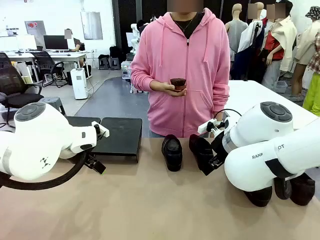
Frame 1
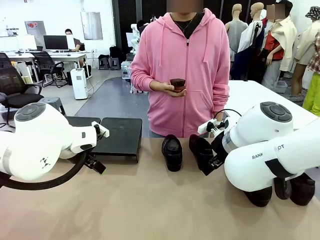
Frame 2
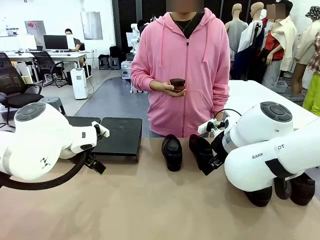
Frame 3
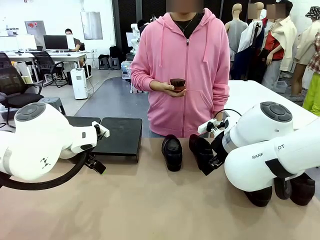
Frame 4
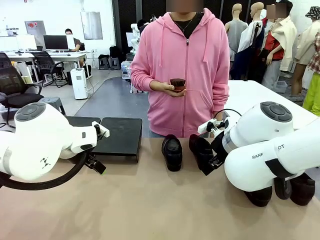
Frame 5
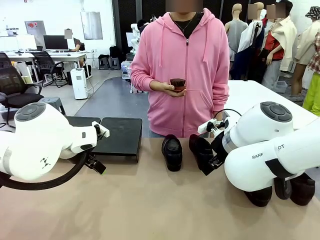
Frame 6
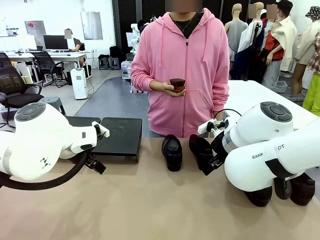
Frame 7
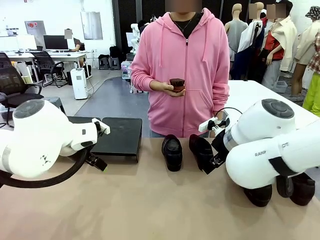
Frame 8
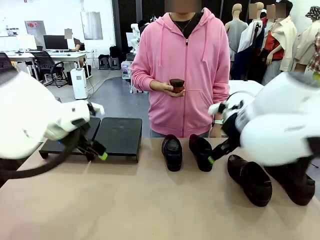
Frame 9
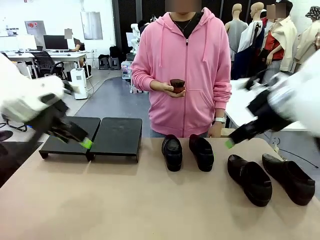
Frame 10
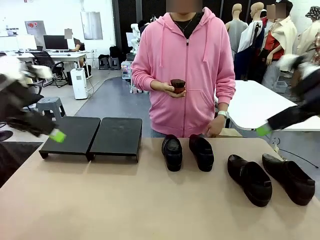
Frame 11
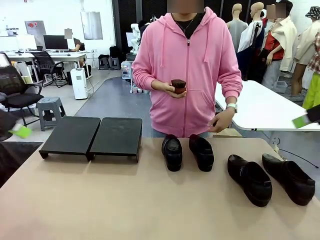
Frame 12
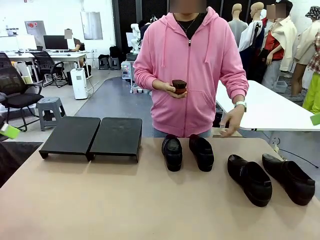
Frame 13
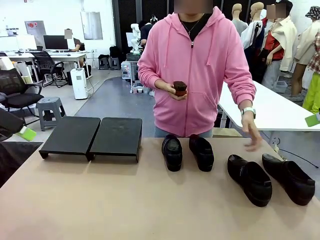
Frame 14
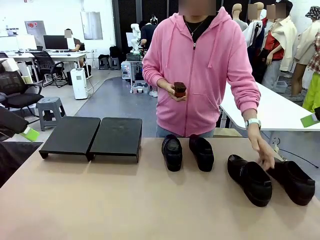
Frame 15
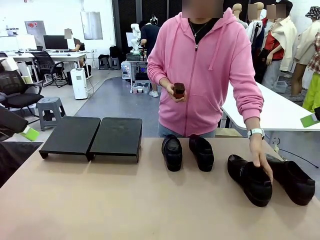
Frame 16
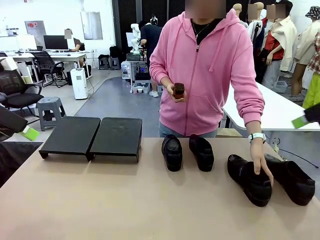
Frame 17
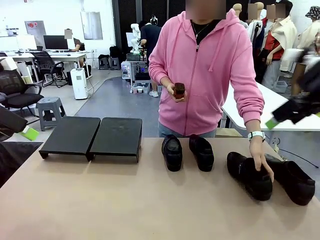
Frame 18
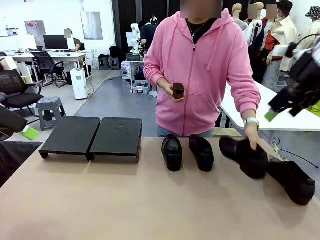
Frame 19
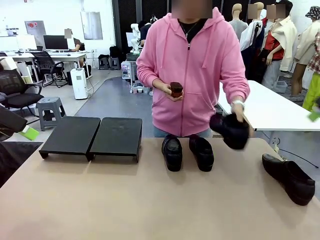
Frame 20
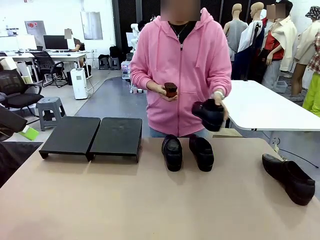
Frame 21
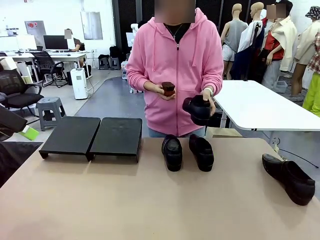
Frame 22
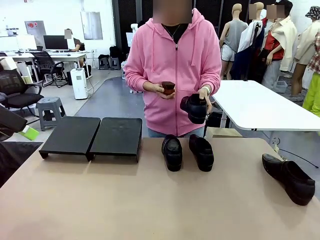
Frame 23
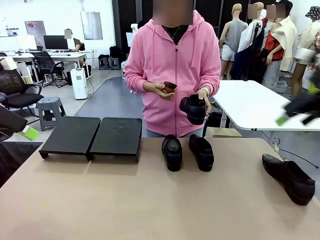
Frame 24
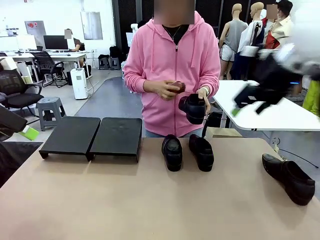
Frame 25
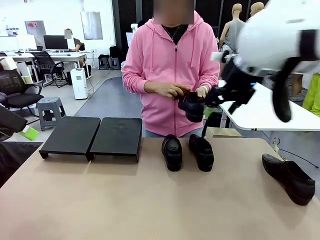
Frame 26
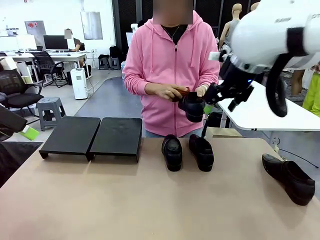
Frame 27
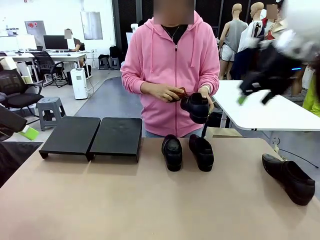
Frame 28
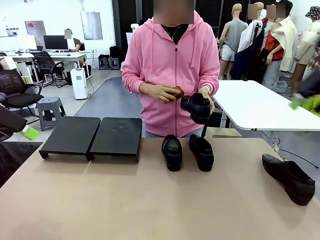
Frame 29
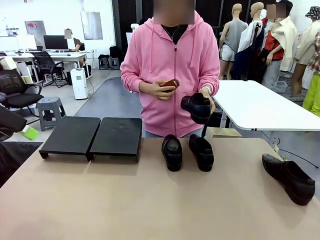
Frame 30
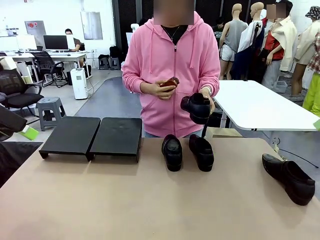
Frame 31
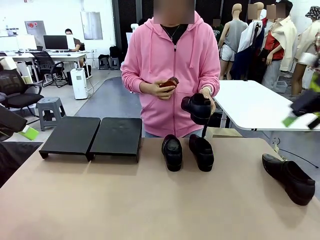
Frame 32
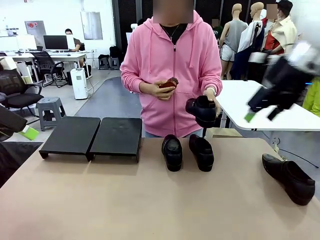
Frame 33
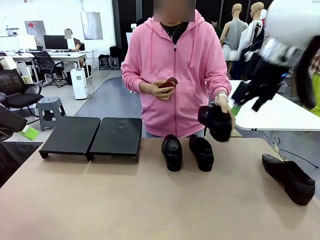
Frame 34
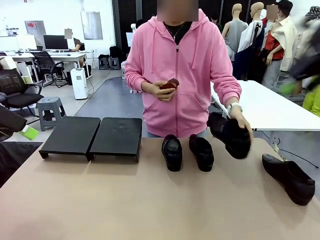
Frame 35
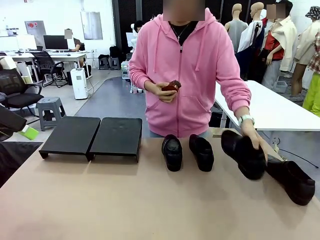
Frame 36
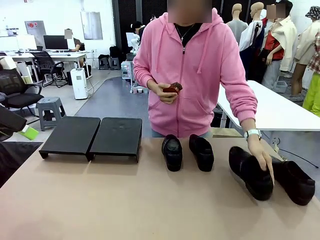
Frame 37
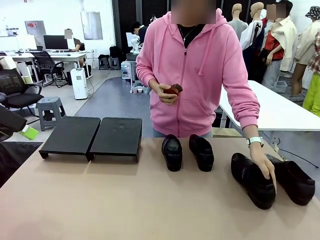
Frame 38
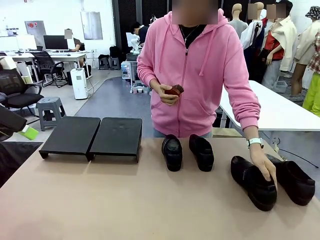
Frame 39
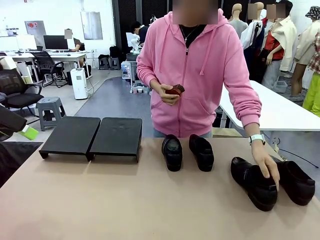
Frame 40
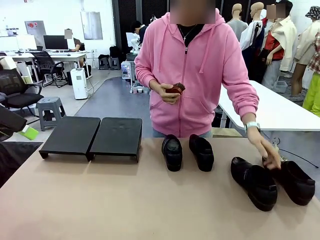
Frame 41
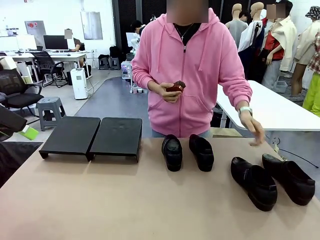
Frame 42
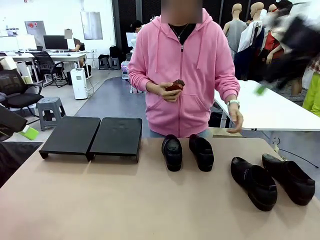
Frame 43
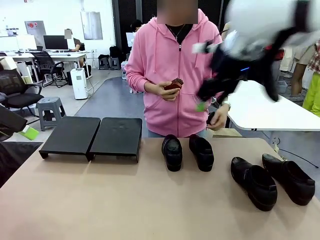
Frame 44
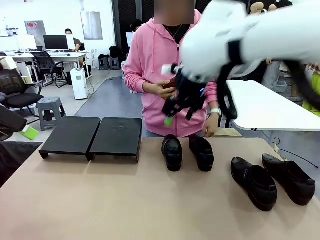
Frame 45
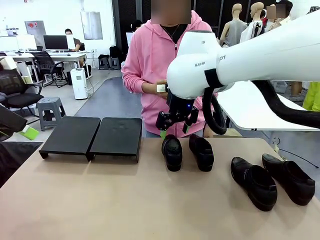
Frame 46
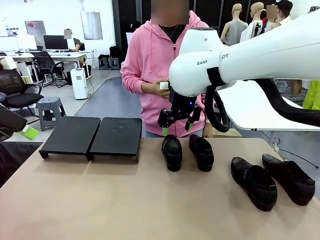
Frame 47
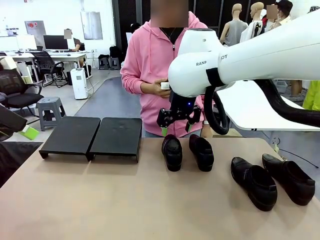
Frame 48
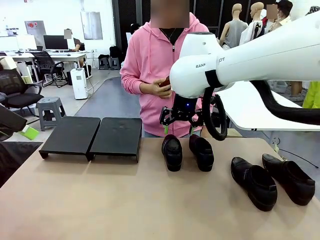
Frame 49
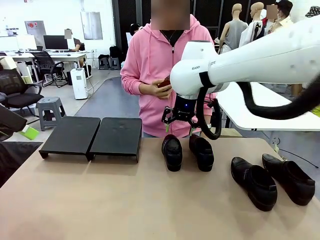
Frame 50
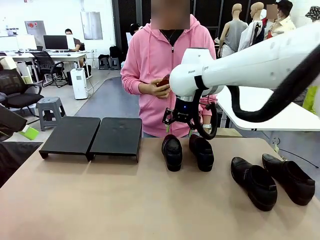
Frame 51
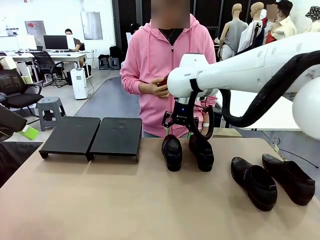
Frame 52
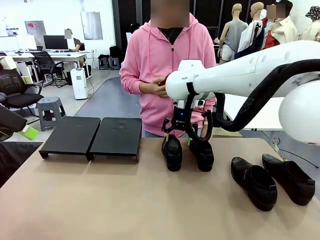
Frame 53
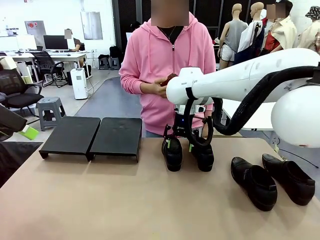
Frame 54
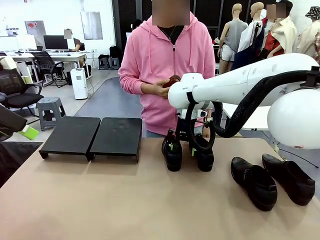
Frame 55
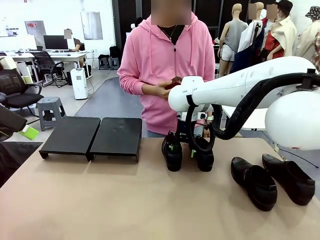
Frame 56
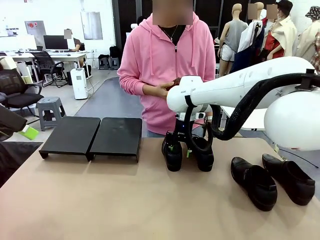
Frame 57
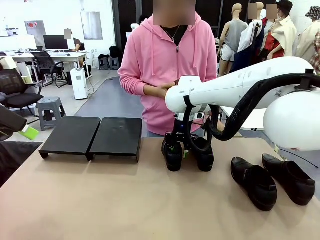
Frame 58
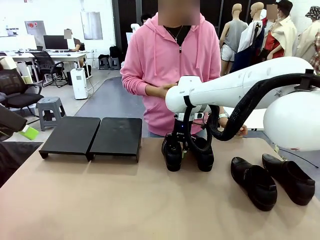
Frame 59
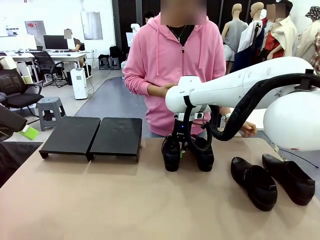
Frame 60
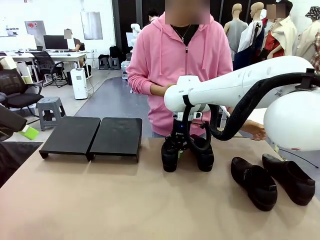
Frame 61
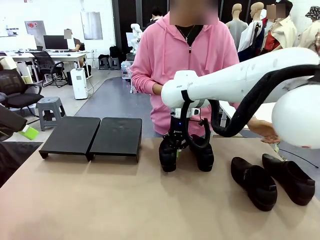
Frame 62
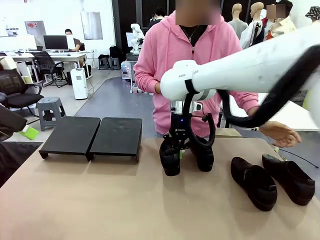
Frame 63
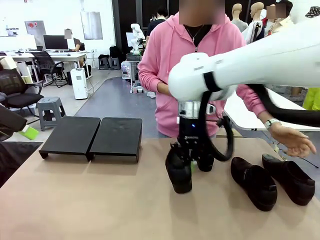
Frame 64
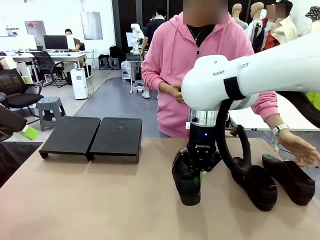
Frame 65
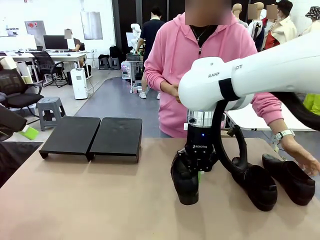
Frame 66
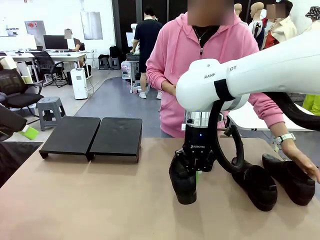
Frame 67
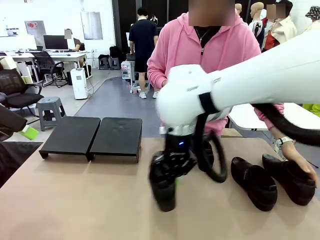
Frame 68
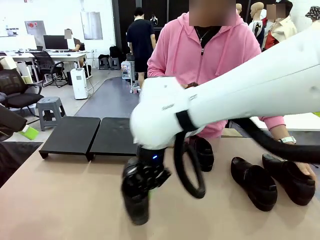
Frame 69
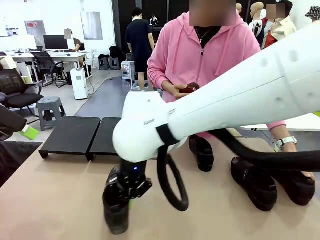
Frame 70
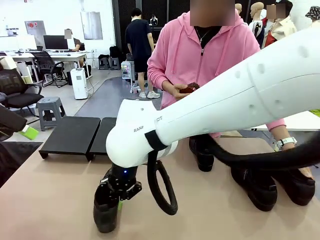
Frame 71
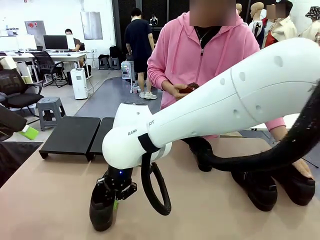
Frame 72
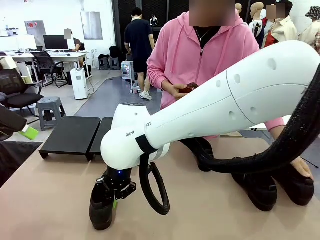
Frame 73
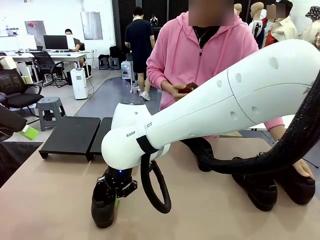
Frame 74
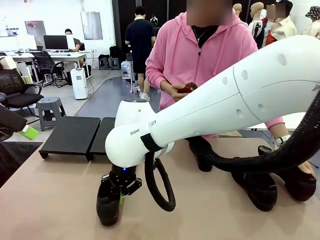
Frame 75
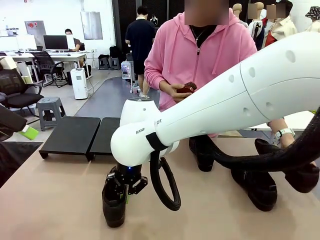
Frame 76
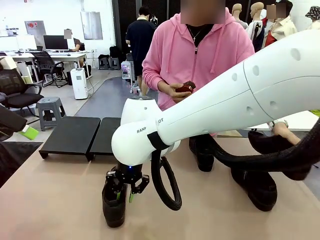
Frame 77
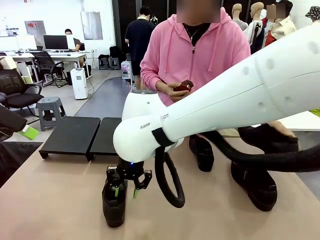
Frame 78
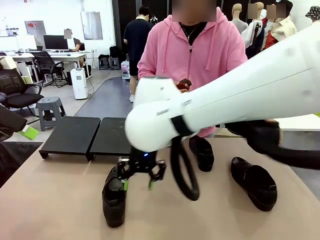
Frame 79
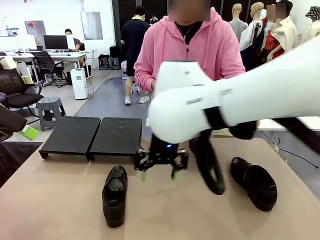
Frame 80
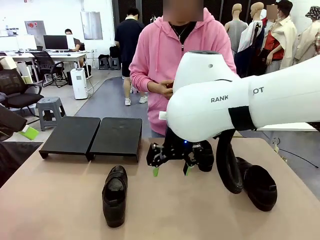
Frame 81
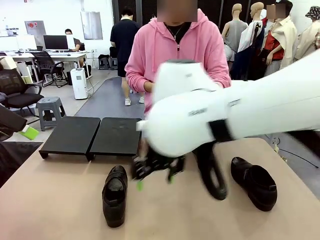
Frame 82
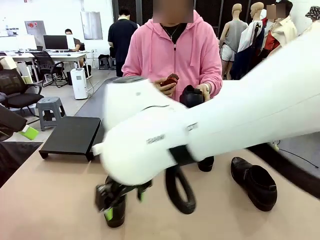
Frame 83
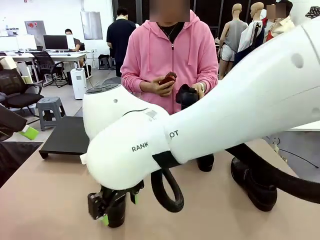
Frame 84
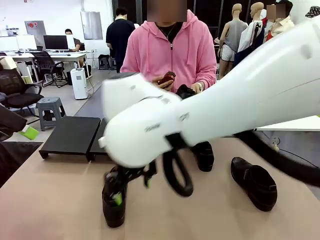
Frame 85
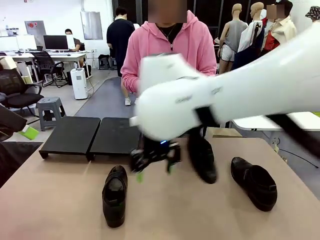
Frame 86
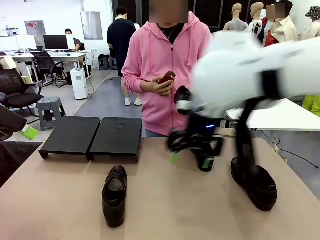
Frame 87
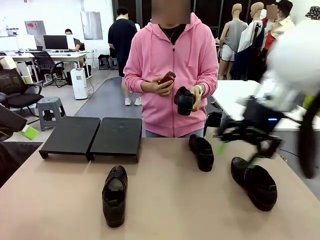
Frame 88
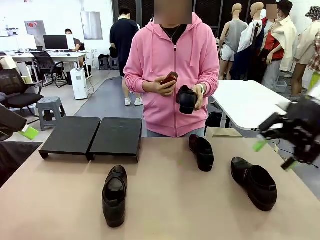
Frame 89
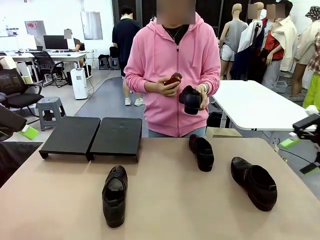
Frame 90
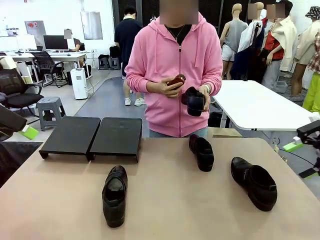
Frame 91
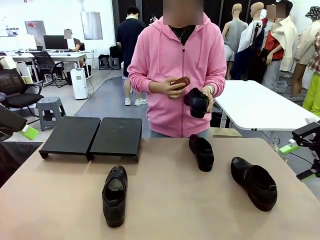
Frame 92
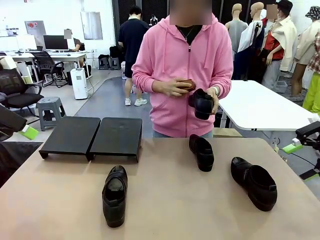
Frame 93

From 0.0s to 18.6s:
Task: Organize the shoes by placing them on the stand.
Robot: Pick up one Shoe and place it in the middle of the table.
Person: Pick one Shoe on Robot's table. Clean the Shoe with the Shoe Brush. Place the Shoe on left side of the Robot's table. Pick one Shoe on Robot's table.
